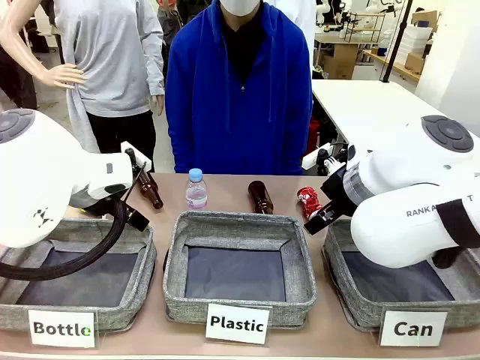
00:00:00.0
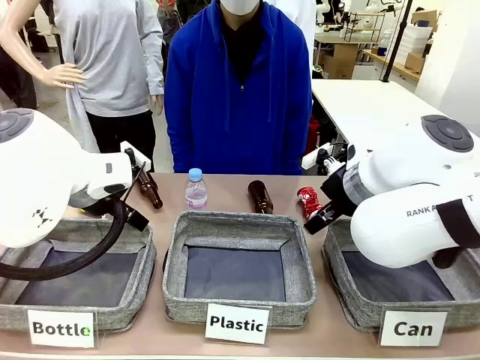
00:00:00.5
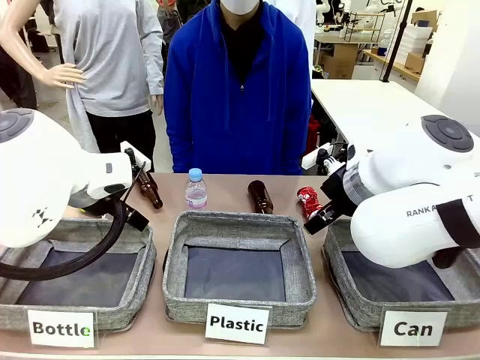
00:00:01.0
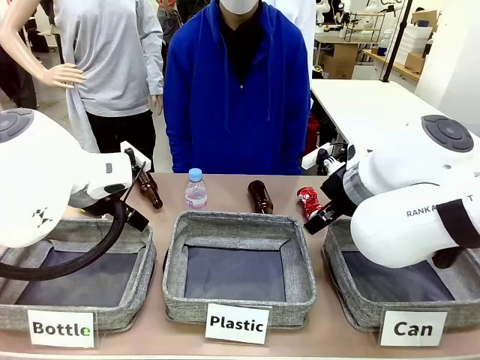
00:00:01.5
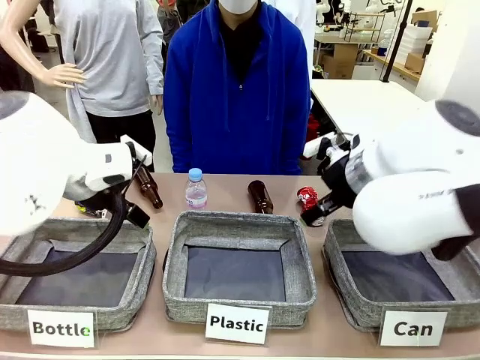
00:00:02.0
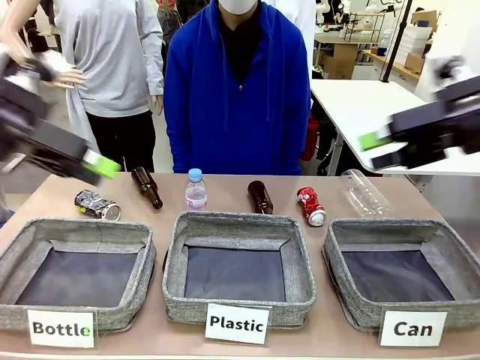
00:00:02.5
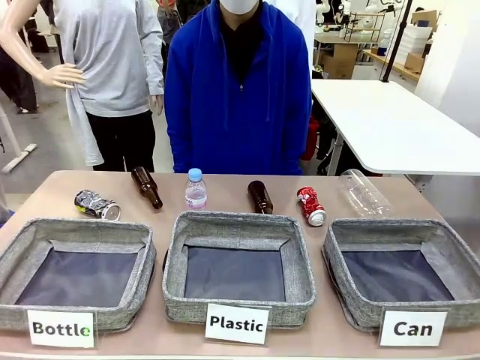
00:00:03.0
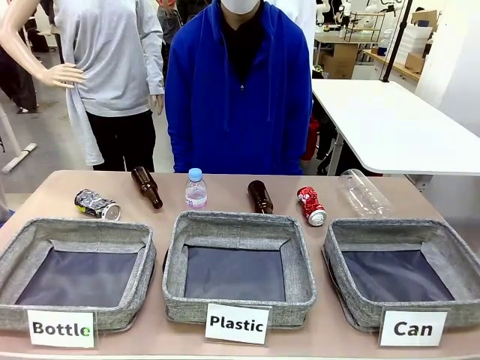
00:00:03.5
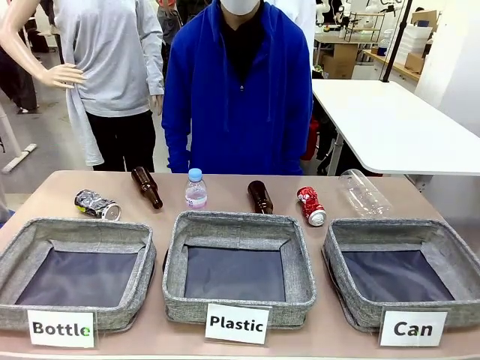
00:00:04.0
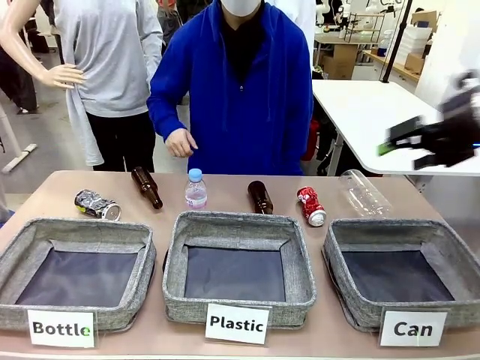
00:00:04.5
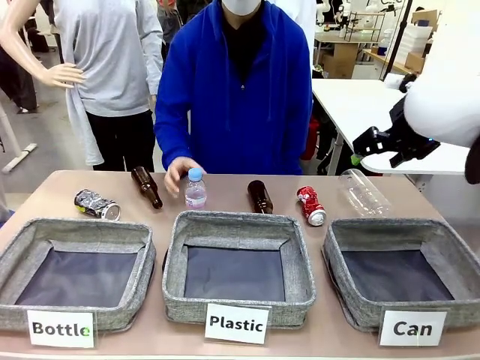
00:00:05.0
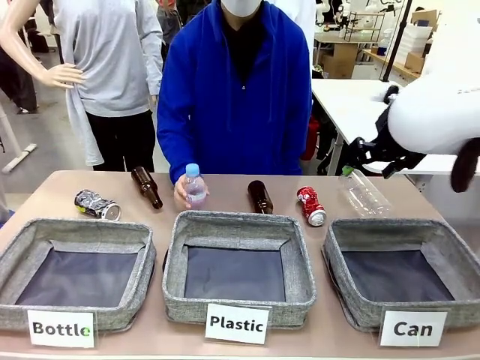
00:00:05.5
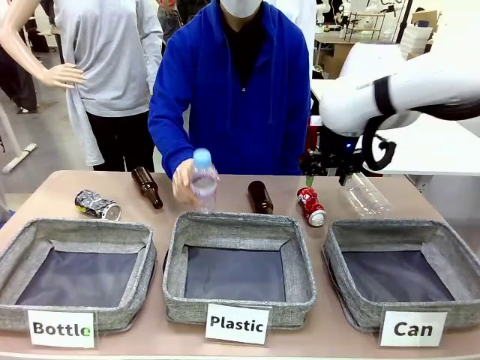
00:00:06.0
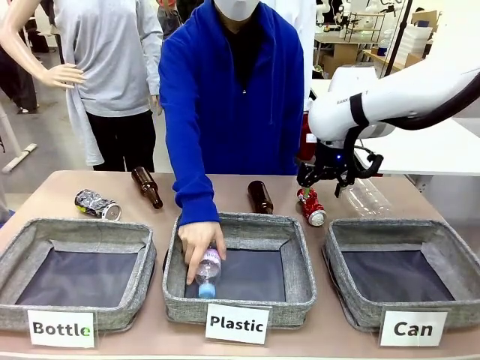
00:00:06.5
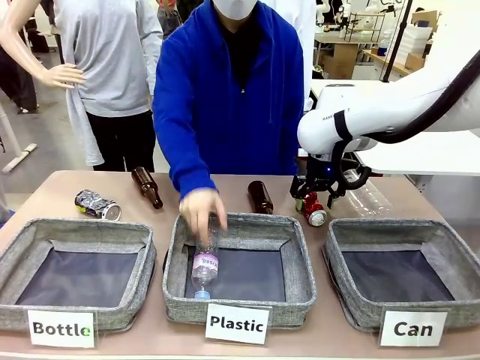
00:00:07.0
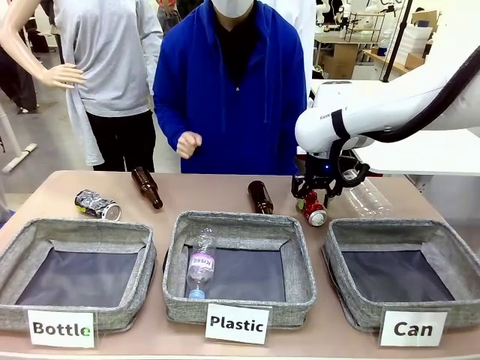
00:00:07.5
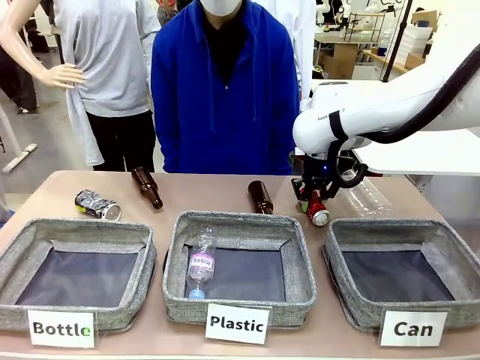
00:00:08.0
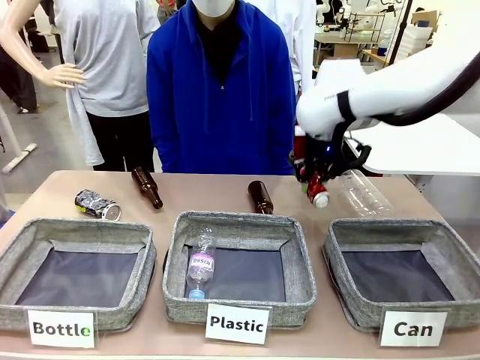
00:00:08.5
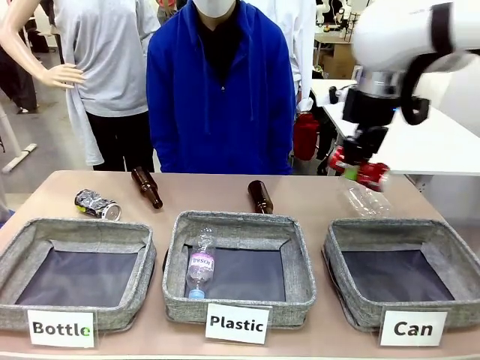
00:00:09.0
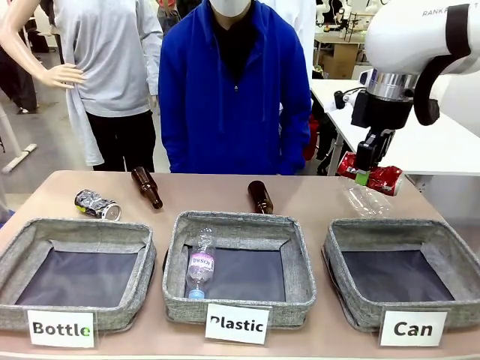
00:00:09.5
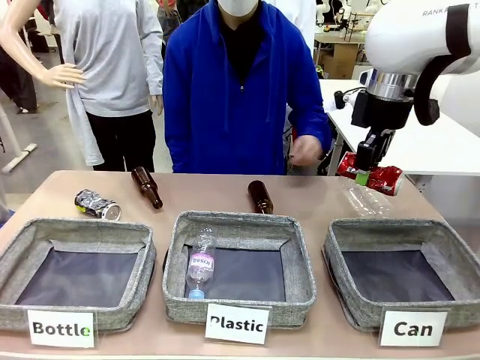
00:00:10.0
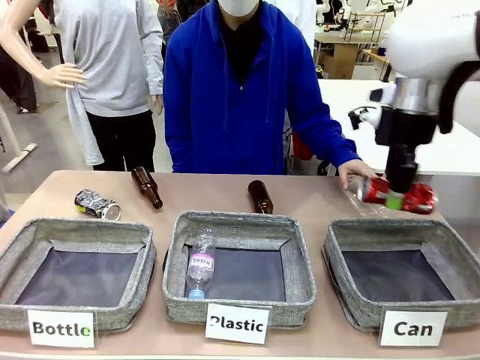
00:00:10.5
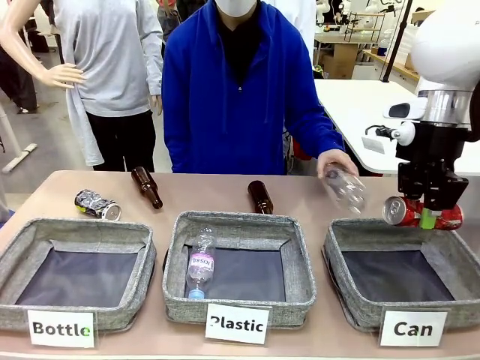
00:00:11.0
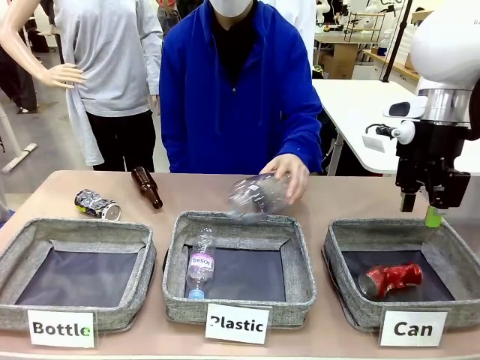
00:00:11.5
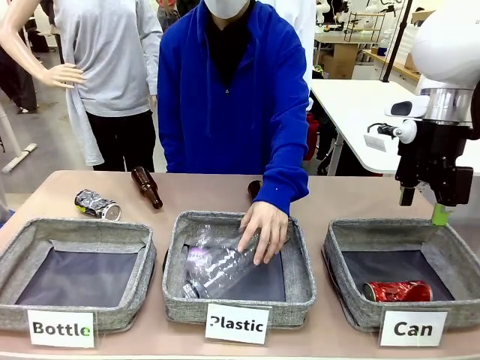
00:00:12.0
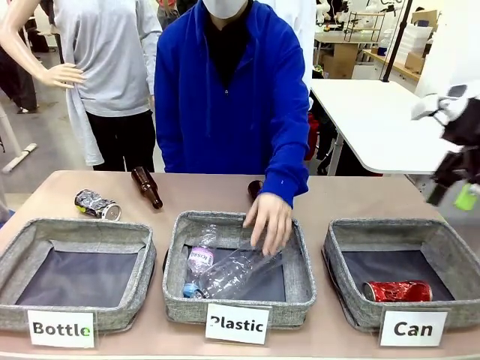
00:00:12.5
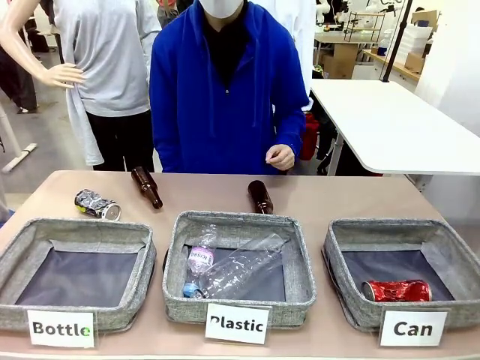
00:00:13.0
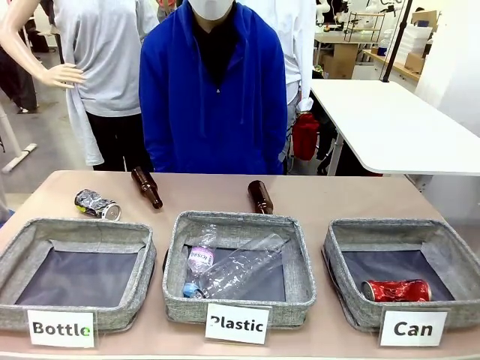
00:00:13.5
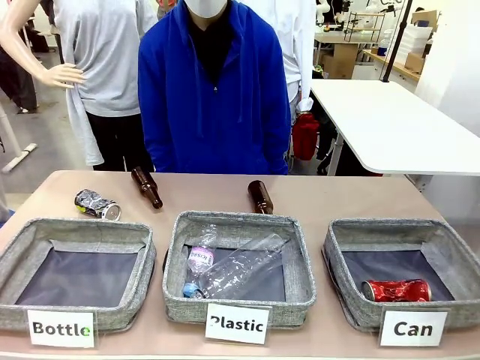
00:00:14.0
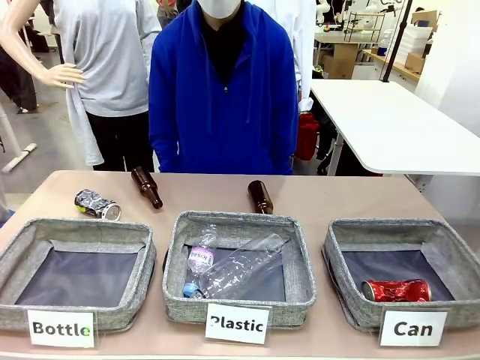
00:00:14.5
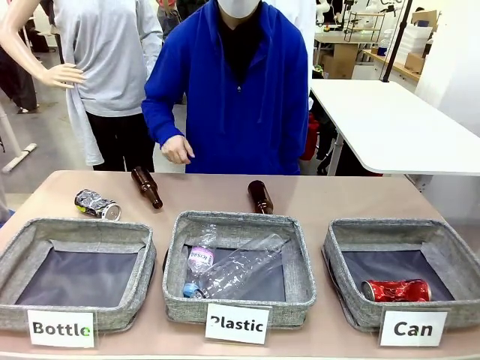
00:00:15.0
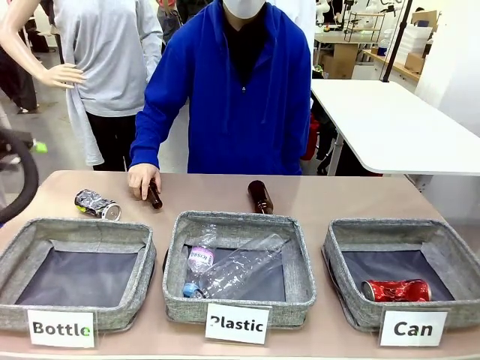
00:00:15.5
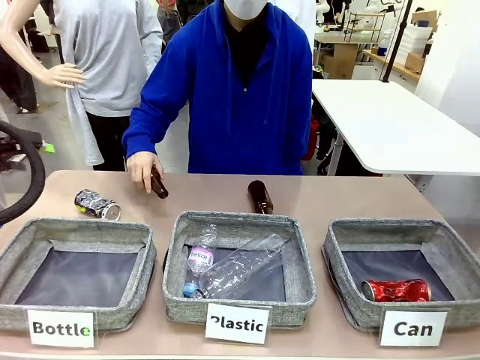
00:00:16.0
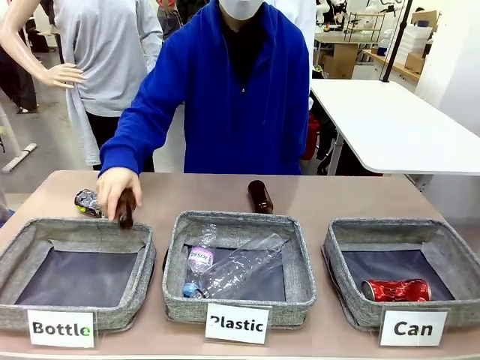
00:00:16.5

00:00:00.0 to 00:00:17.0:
Task: Sort the can waste into the basket.
Robot: Pick up the can waste from the table and place it in the right Fabric basket.
